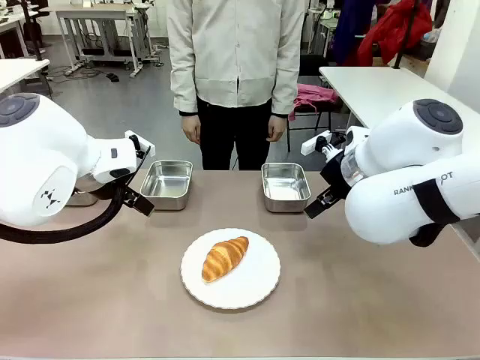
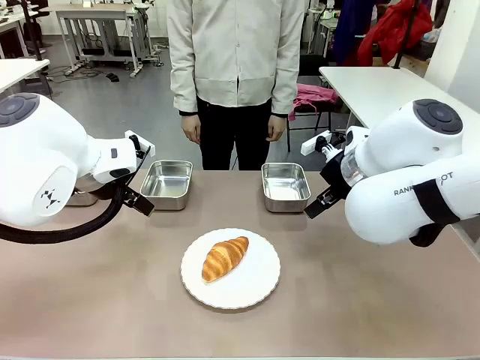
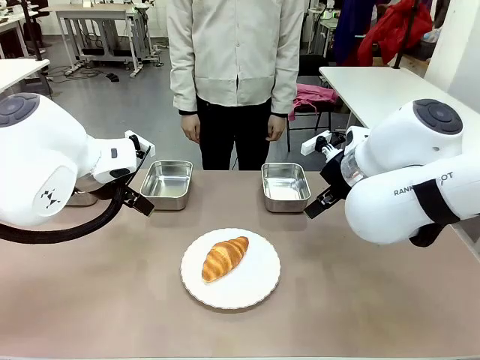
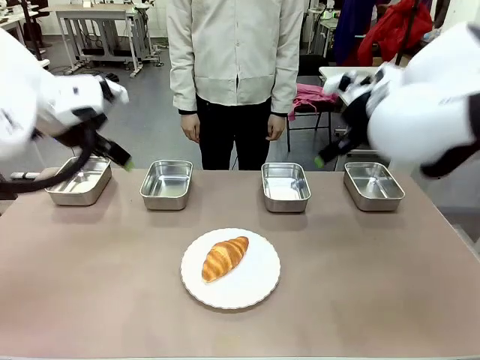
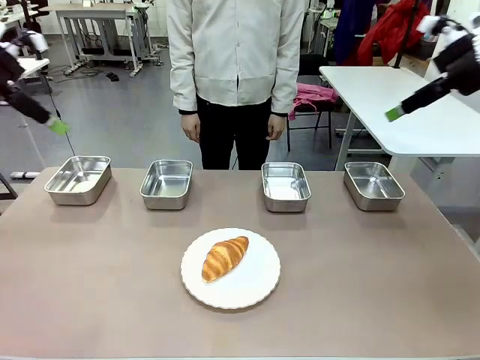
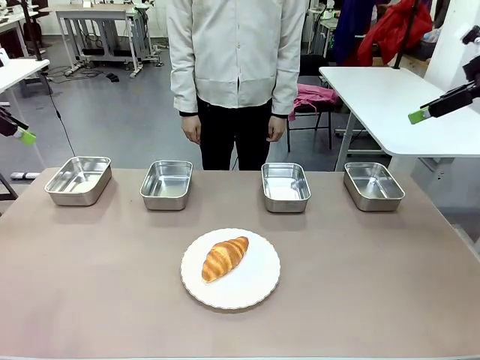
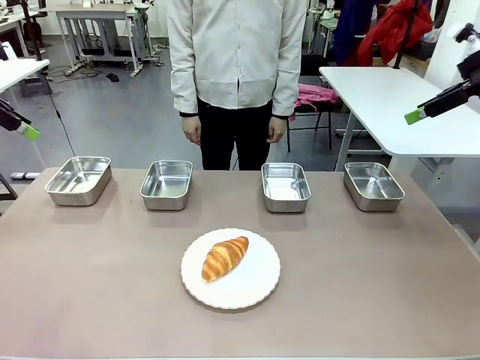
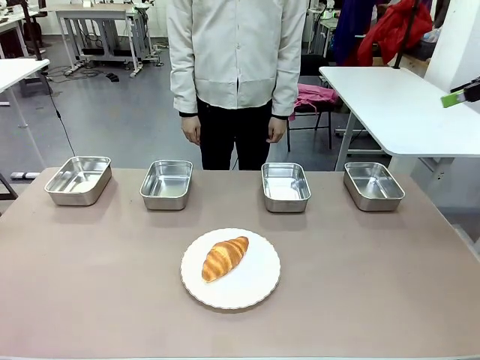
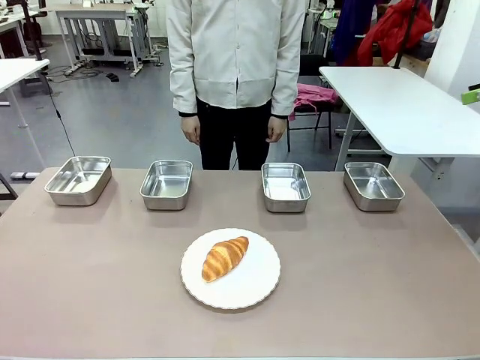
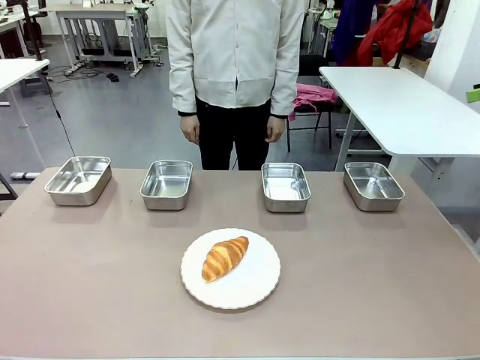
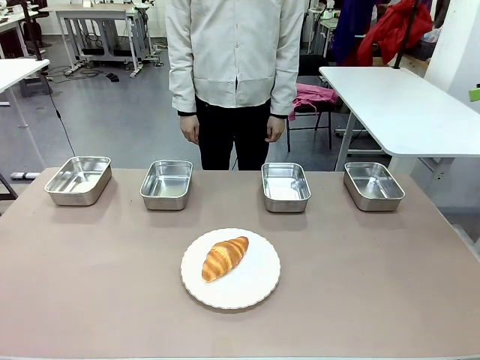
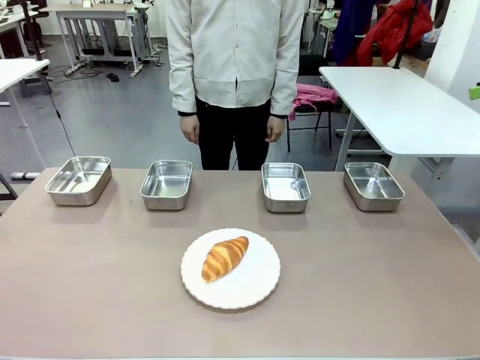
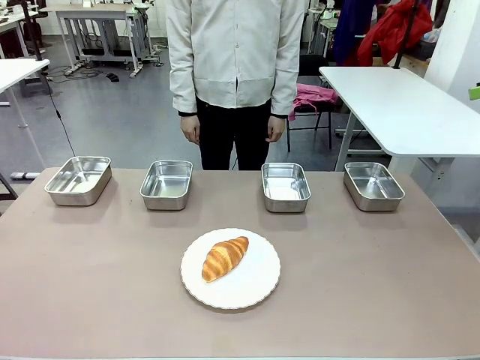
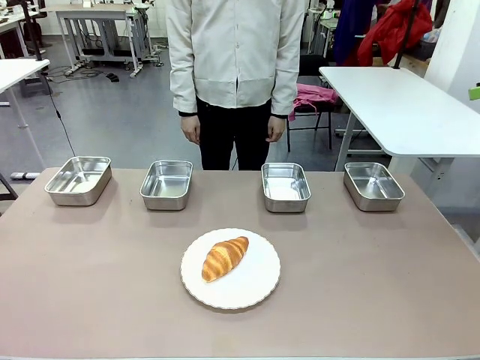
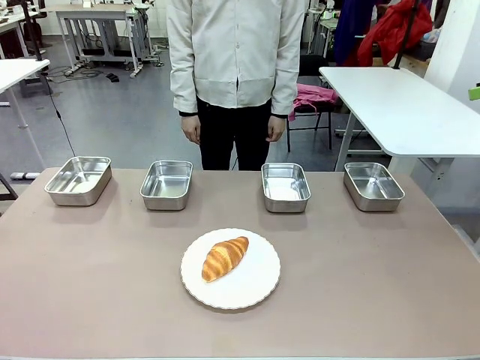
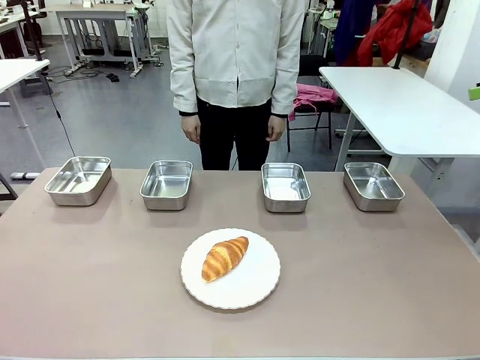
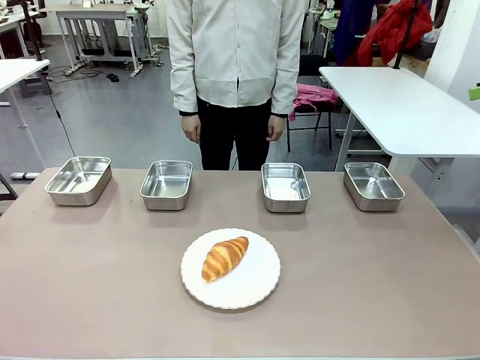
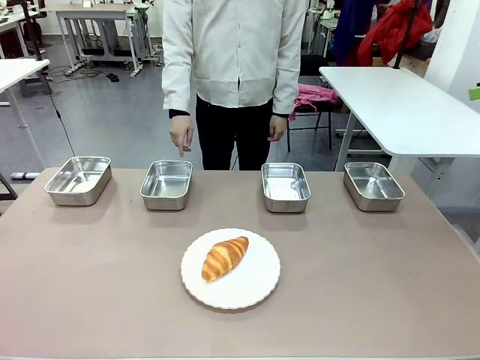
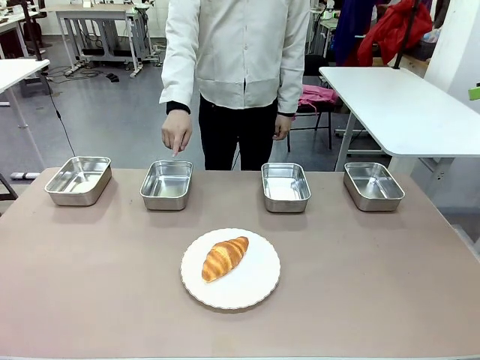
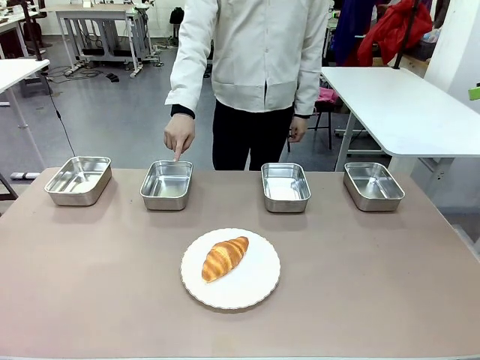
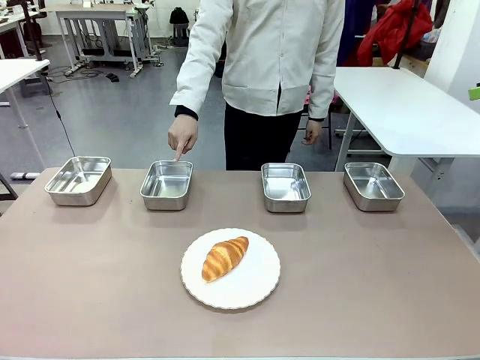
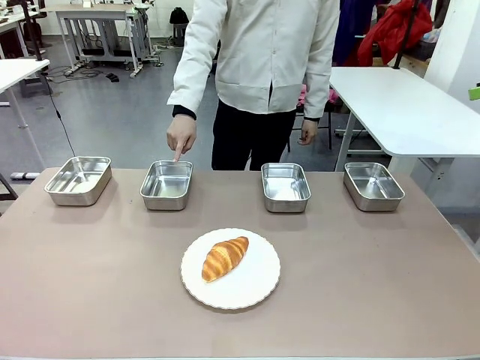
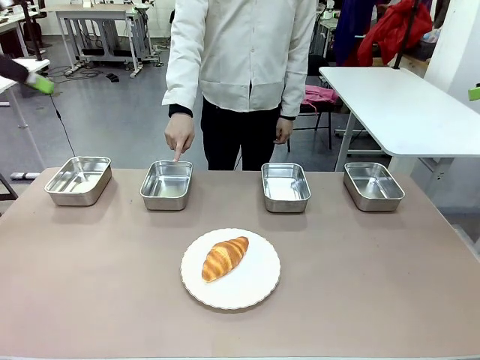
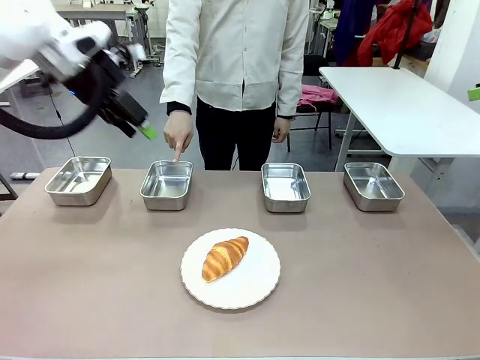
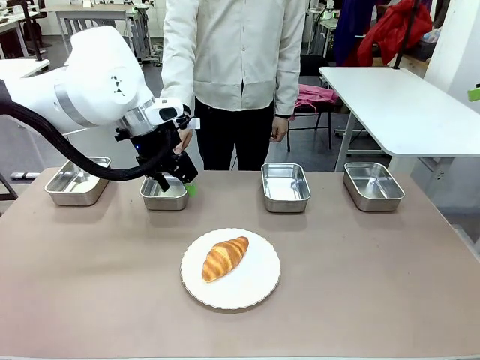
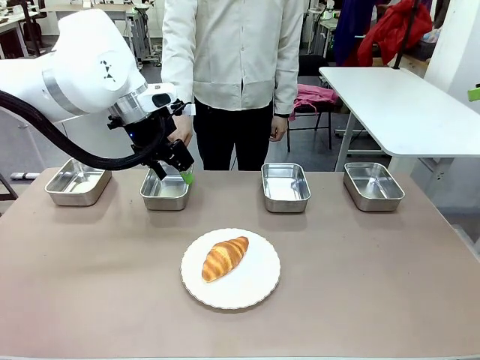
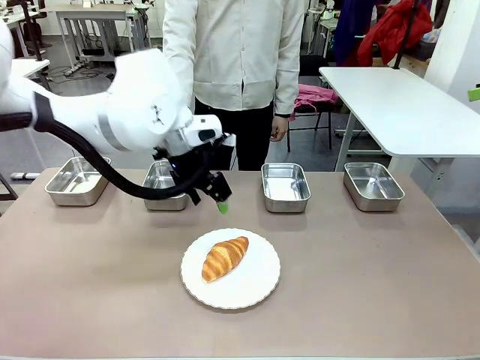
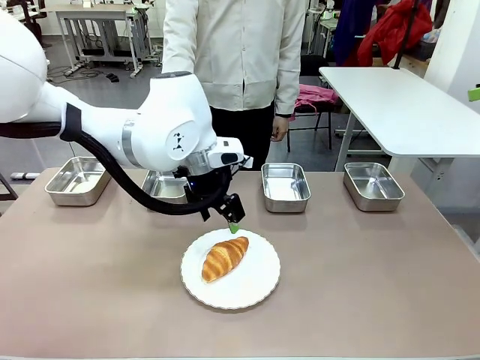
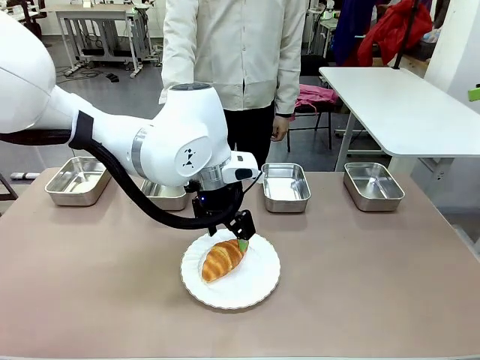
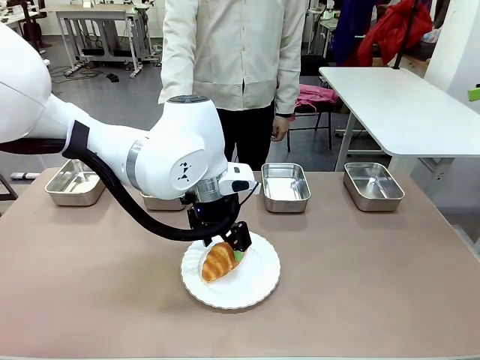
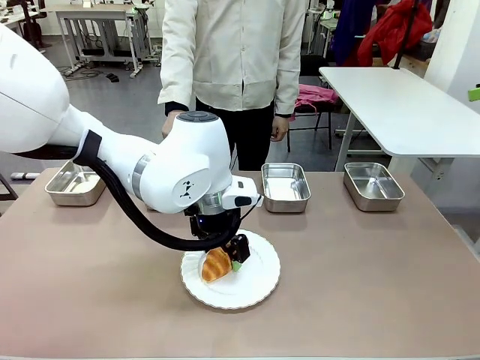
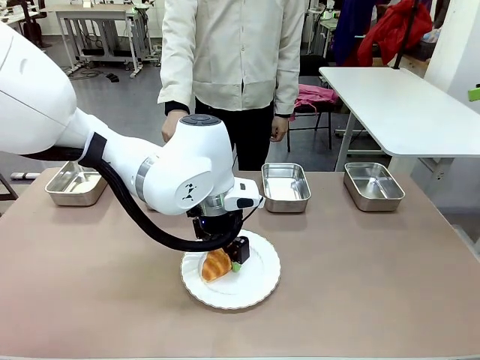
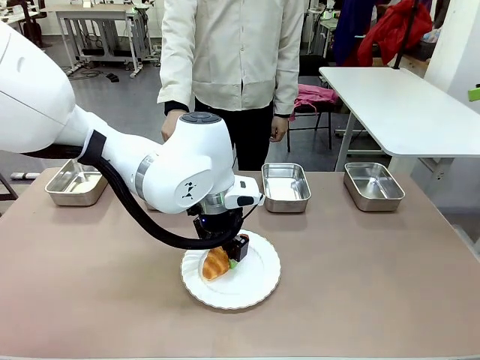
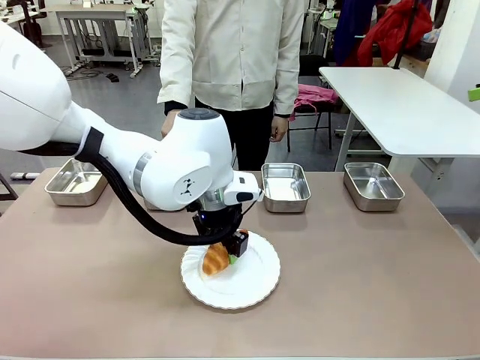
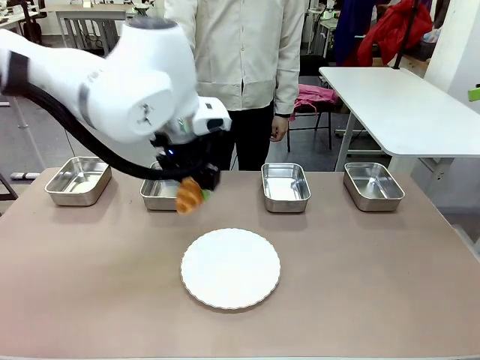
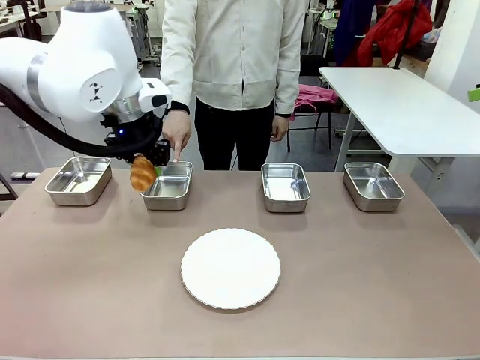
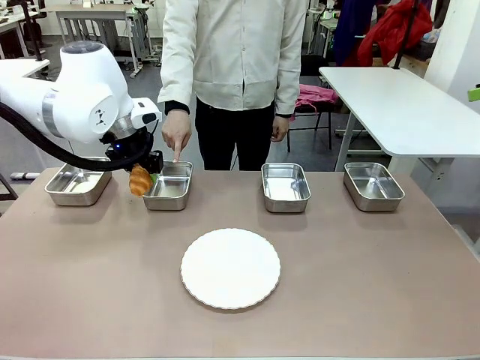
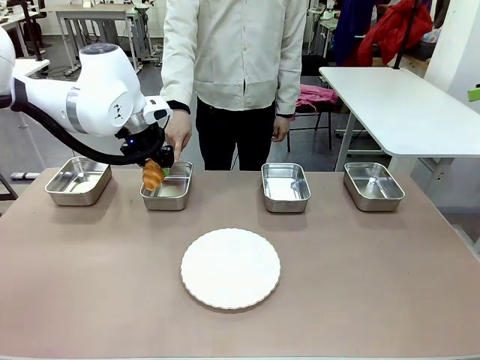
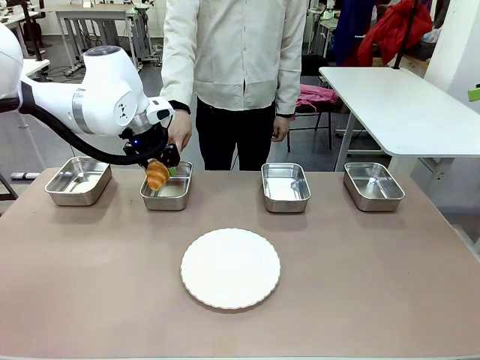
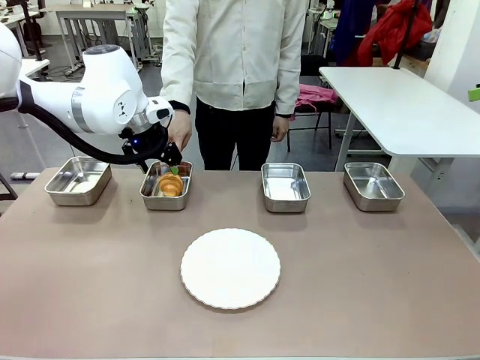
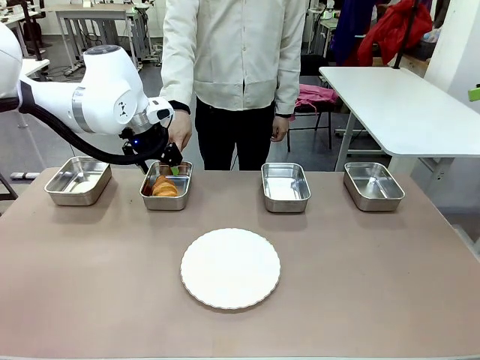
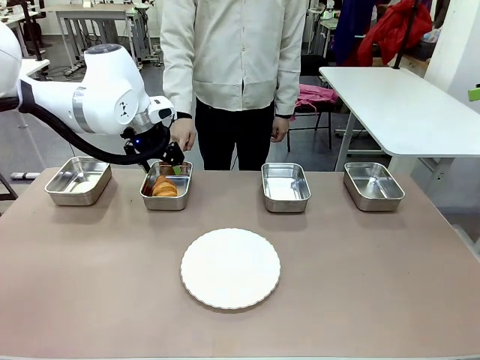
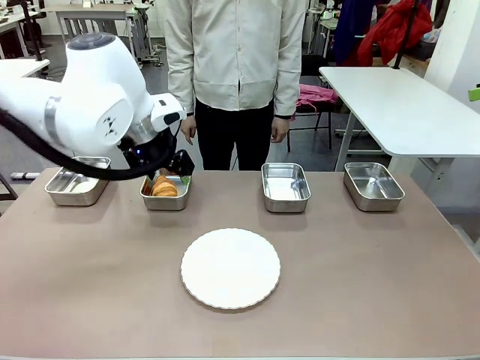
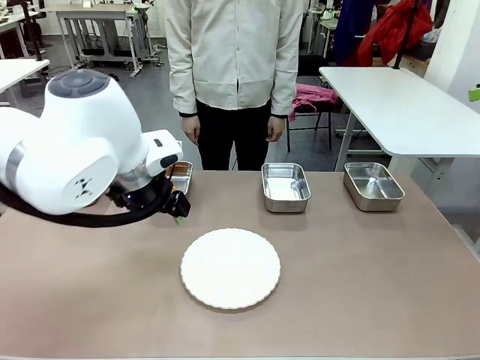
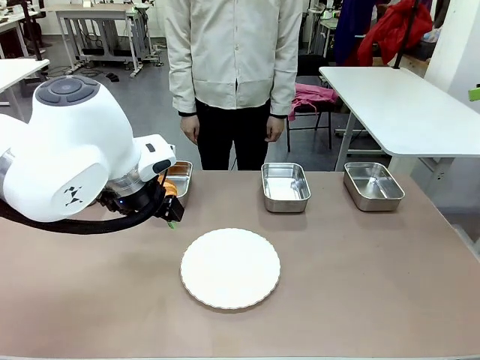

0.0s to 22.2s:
Task: Place the bread in the container.
Robot: Place the Butter Roll into the Airtight Container indicated by the human.
Person: A person randomly selects and points to an Airtight Container.

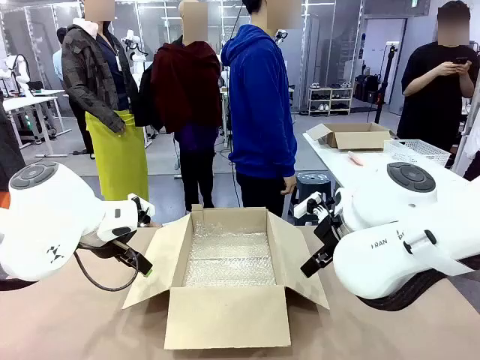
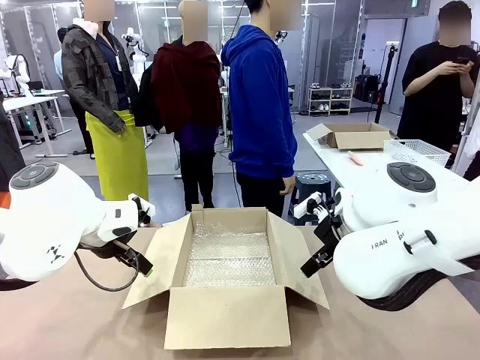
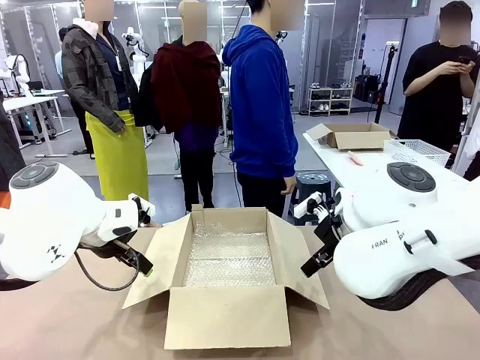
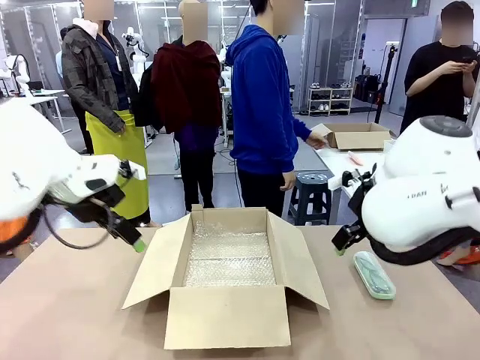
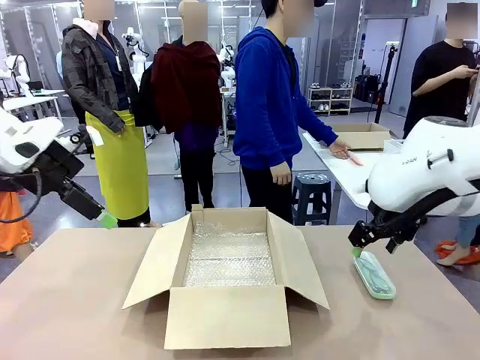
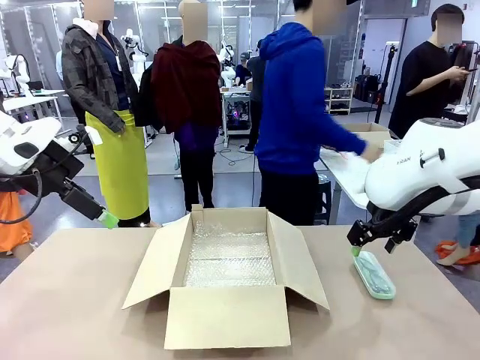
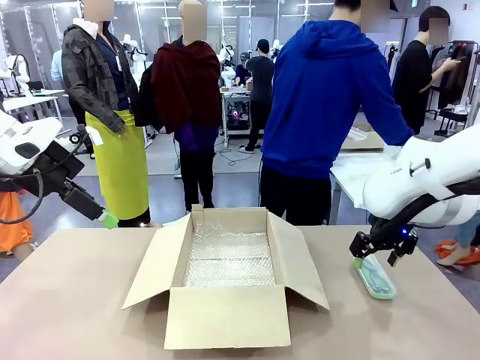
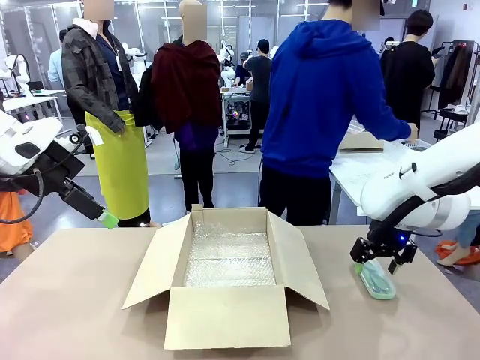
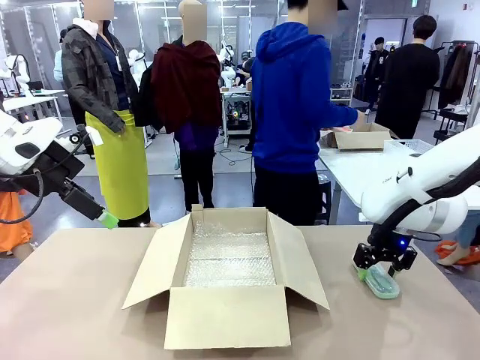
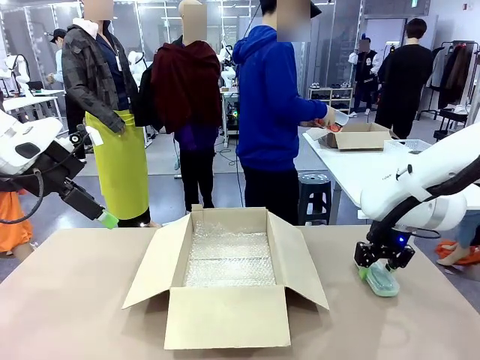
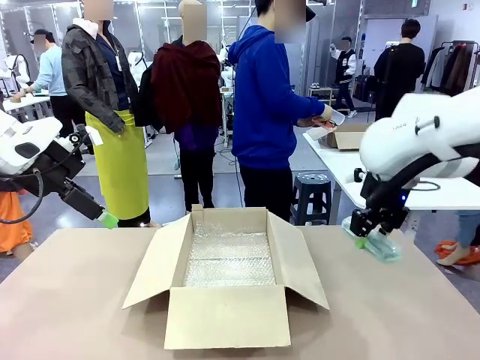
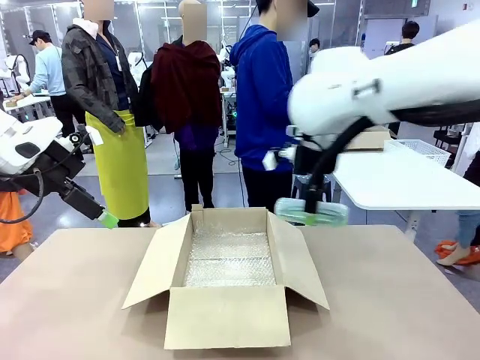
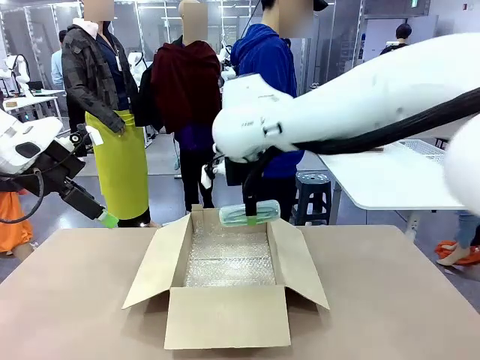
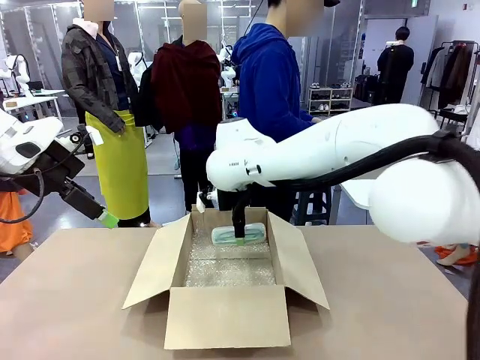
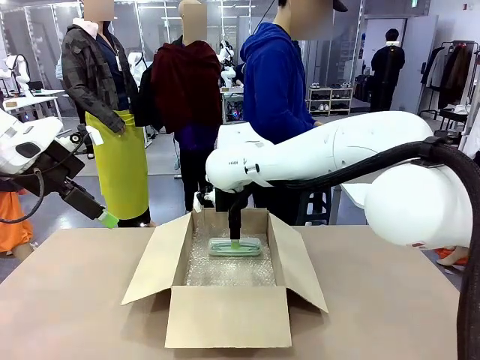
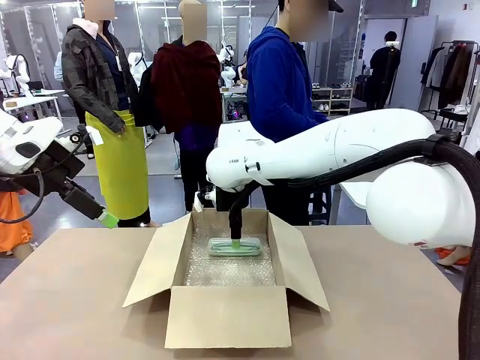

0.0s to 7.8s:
Task: Pack the glasses set securely to prepare it for shipping.
Robot: Place the Glasses case inside the Package Box.
Person: Place the Glasses inside the Glasses case.
